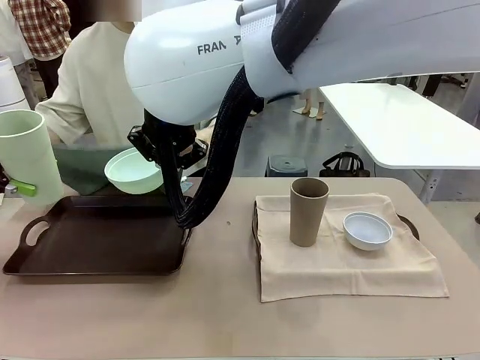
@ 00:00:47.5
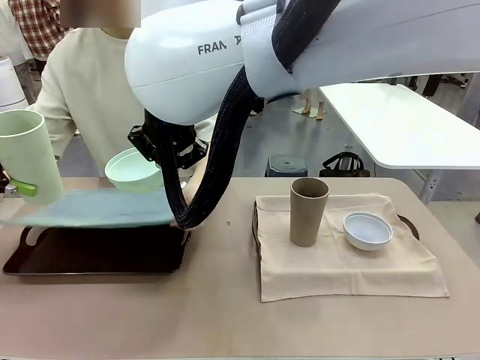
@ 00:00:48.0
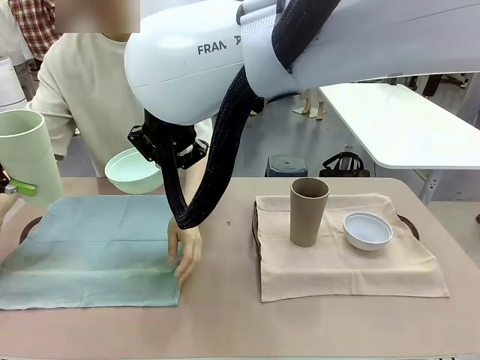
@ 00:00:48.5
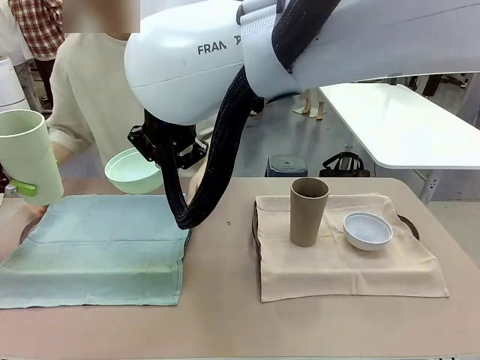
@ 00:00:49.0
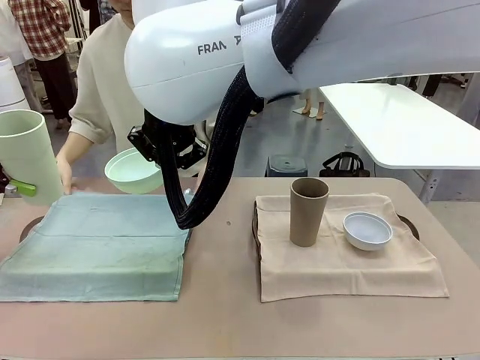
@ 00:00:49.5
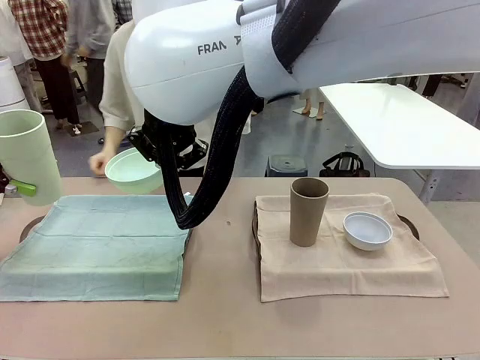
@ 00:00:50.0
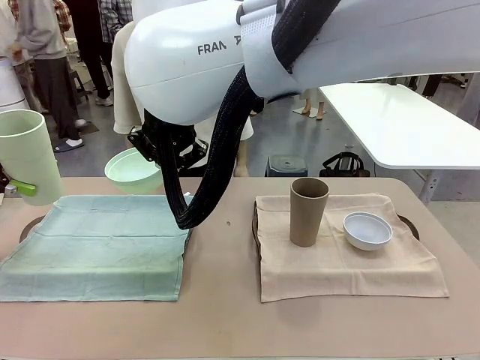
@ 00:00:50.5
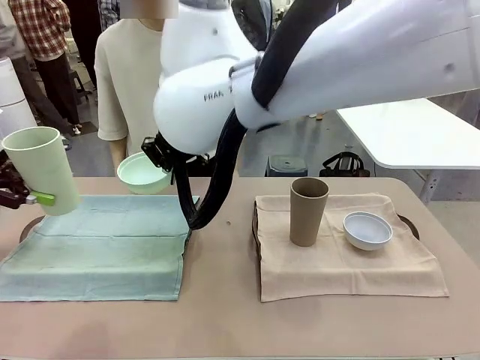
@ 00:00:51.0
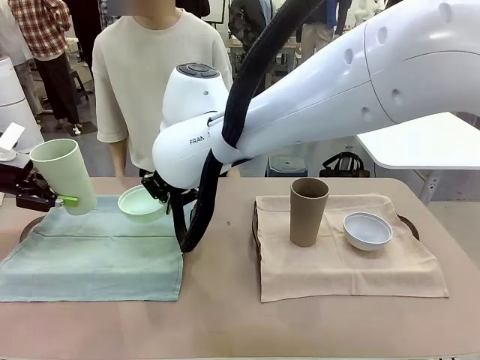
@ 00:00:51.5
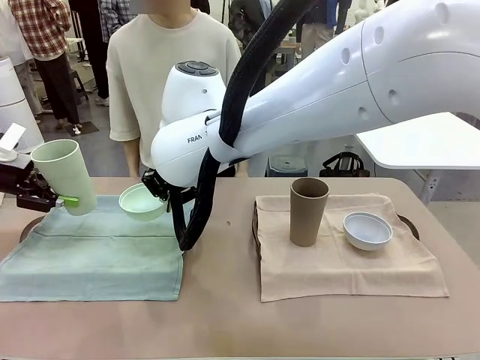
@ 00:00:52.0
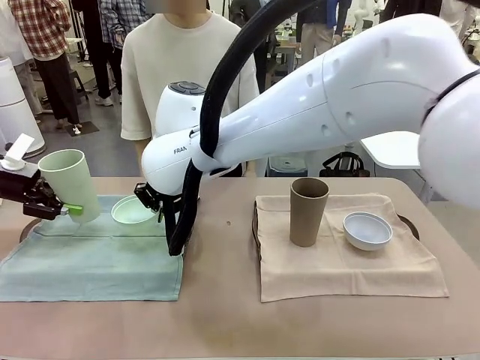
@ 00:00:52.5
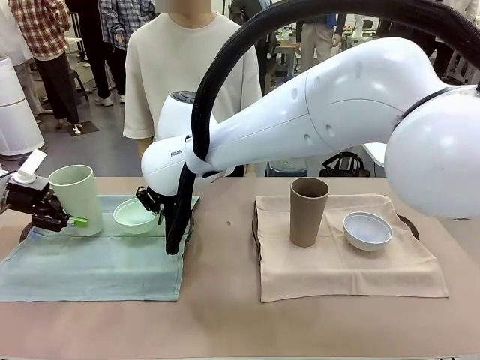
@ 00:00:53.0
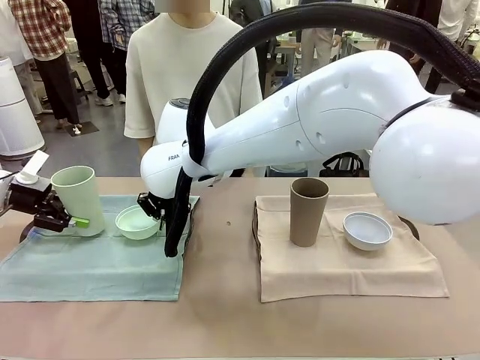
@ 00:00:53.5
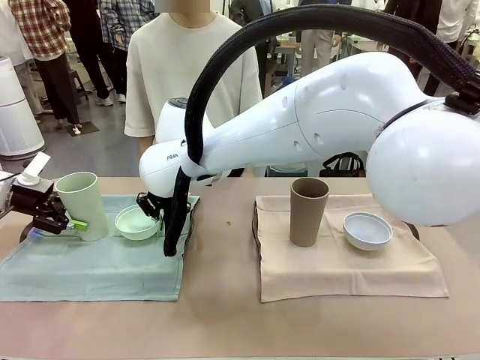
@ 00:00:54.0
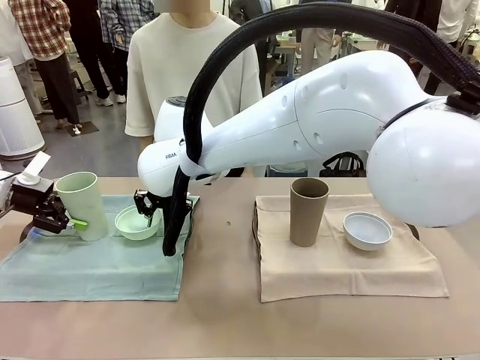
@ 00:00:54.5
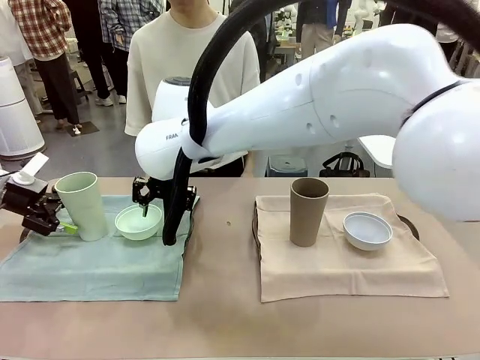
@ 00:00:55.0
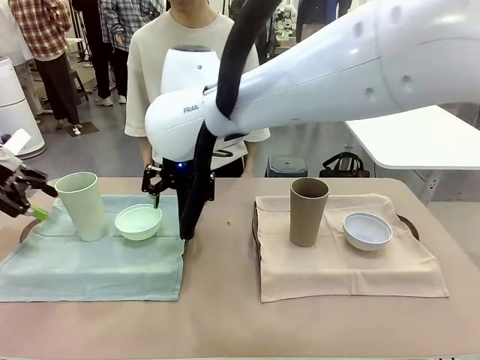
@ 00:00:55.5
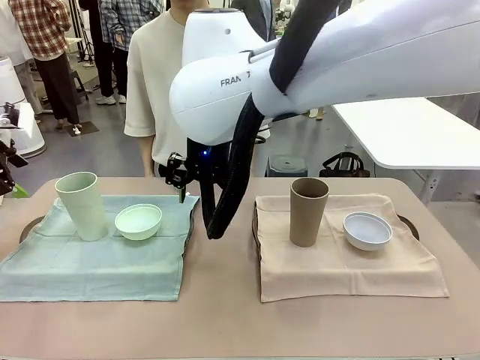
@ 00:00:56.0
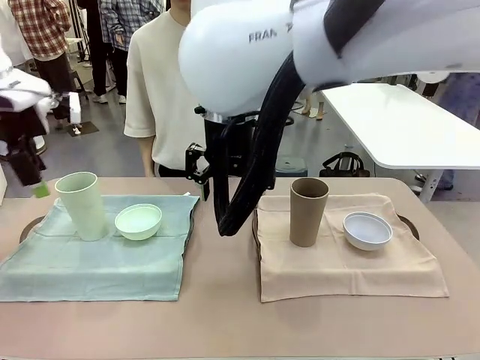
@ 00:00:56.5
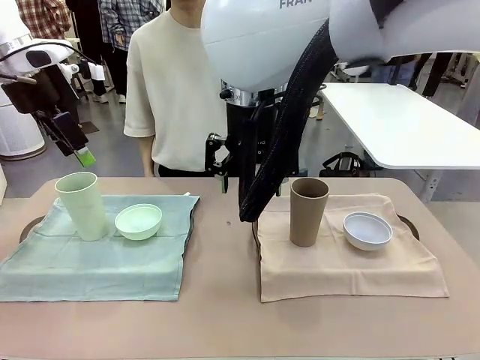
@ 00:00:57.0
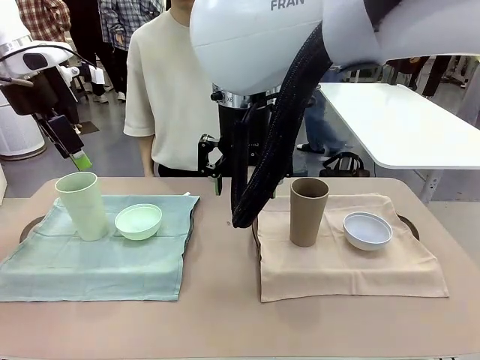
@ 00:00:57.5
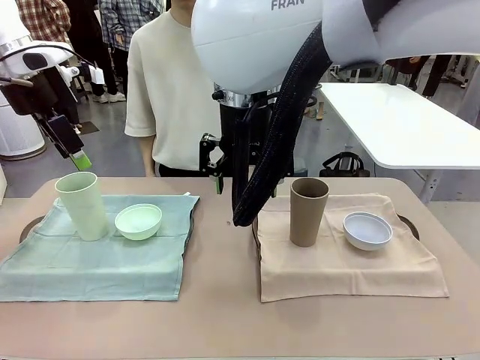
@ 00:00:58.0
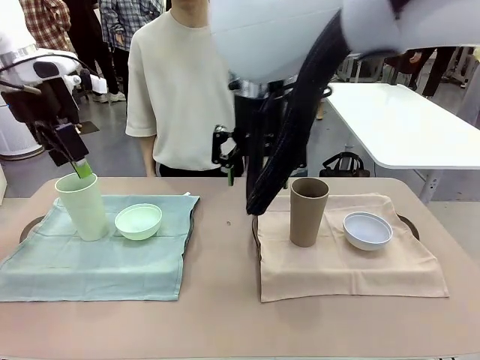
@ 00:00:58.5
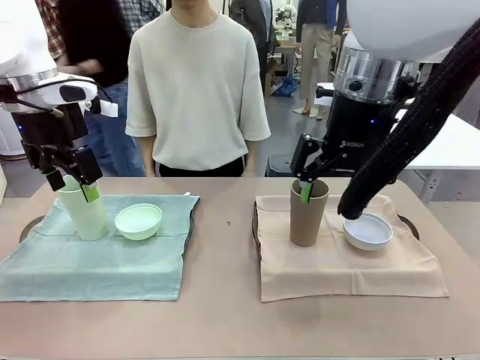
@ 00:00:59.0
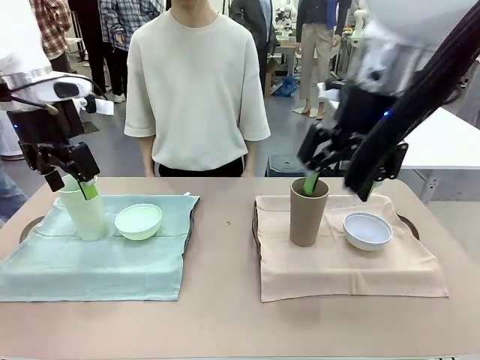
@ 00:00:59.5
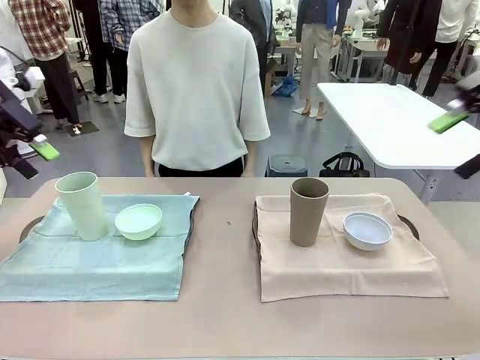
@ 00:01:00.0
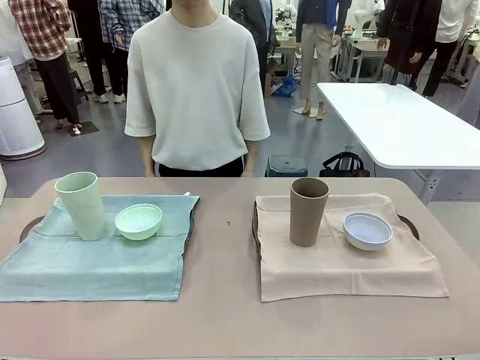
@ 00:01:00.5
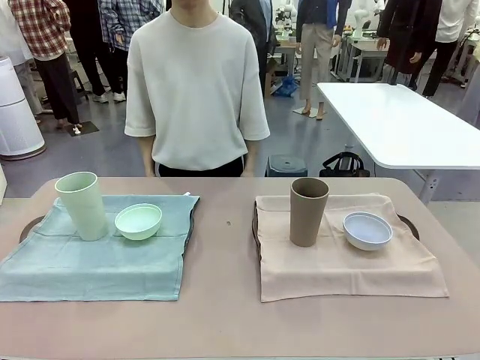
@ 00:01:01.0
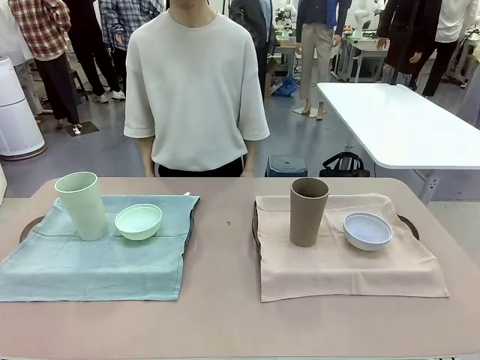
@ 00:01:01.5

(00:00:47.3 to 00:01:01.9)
Robot: Place the Picnic Bowl and Reusable plastic cup back onto the Handle tray in front of the human's position.

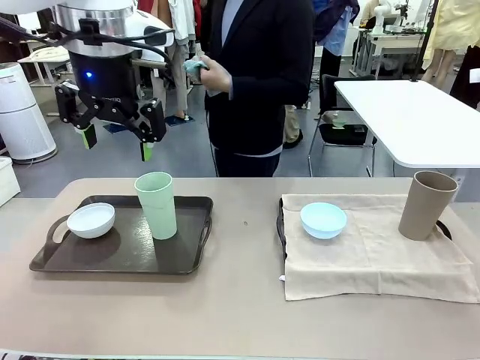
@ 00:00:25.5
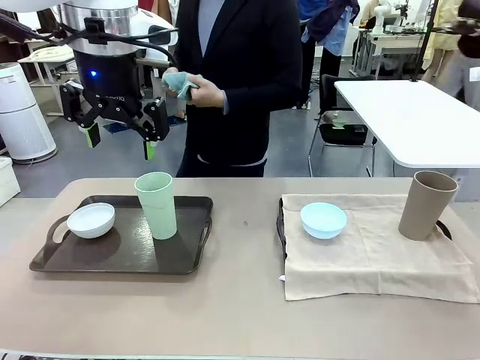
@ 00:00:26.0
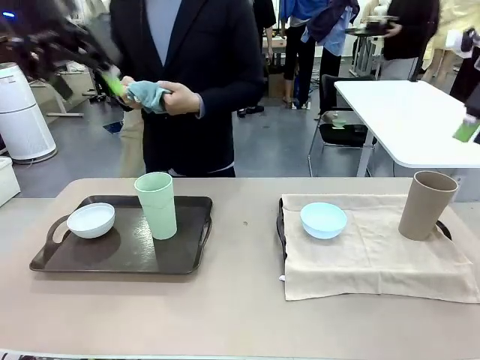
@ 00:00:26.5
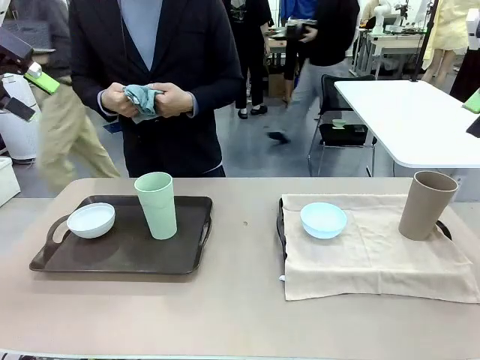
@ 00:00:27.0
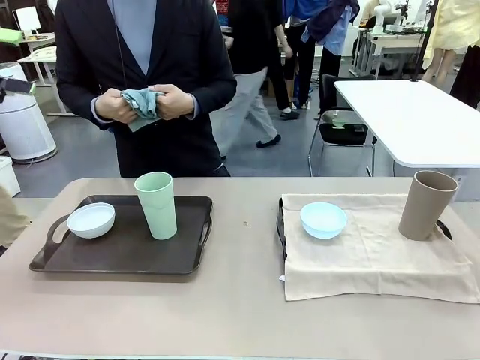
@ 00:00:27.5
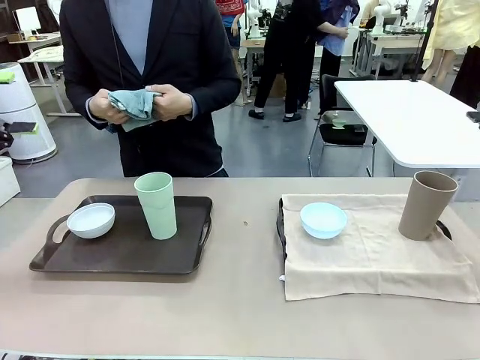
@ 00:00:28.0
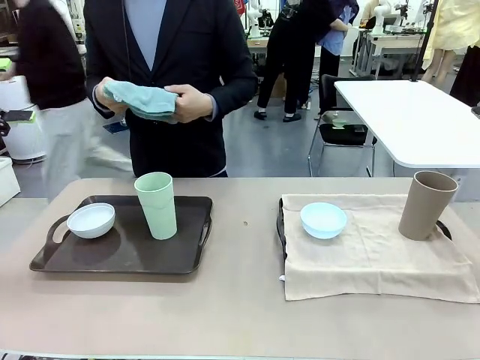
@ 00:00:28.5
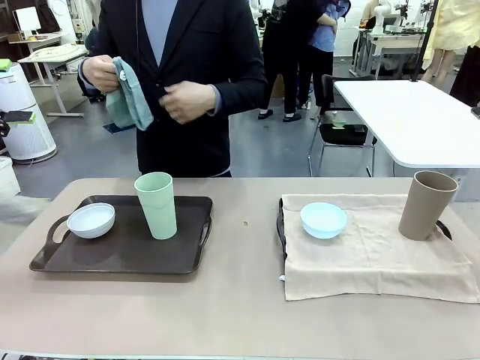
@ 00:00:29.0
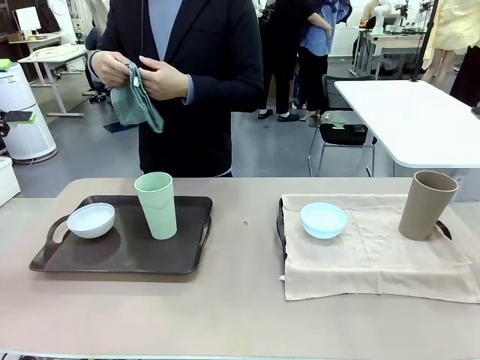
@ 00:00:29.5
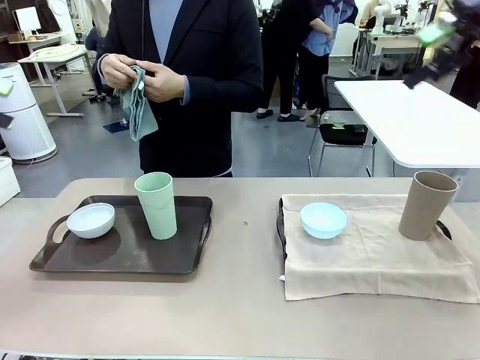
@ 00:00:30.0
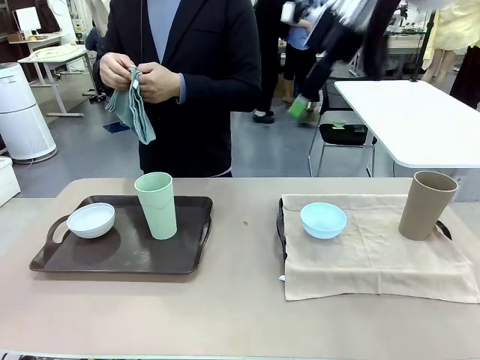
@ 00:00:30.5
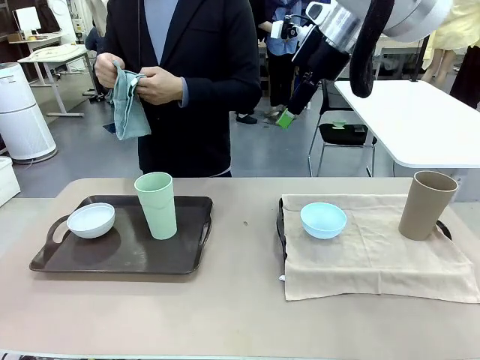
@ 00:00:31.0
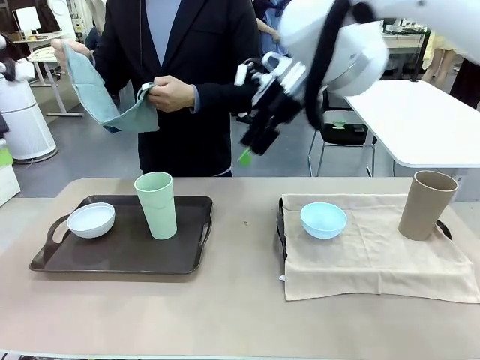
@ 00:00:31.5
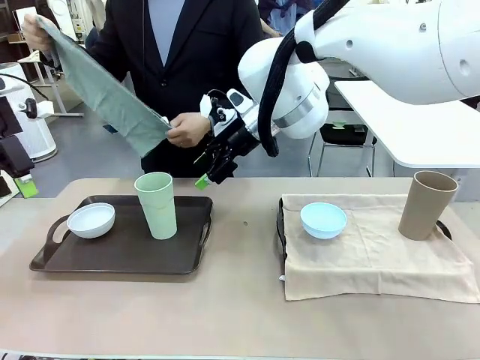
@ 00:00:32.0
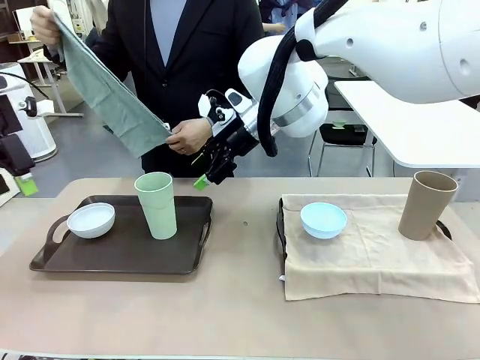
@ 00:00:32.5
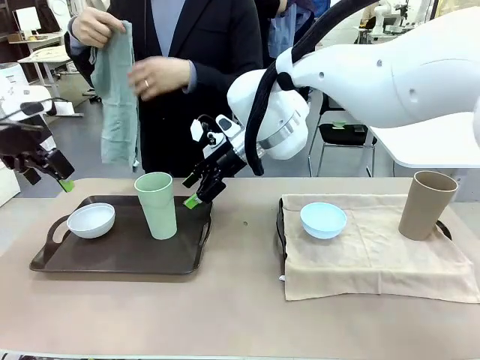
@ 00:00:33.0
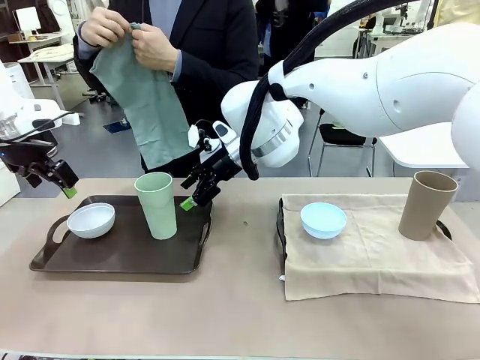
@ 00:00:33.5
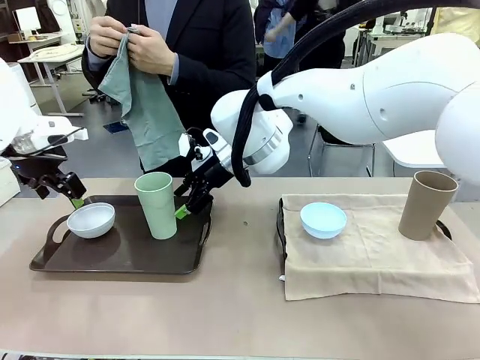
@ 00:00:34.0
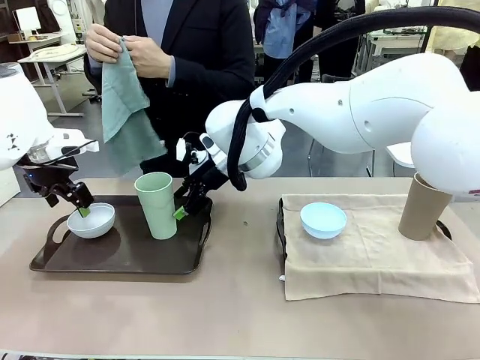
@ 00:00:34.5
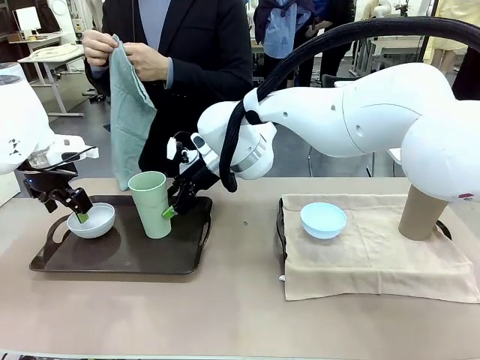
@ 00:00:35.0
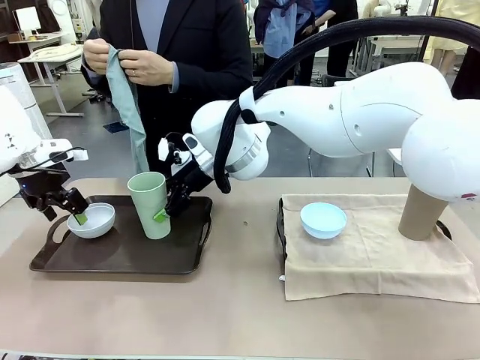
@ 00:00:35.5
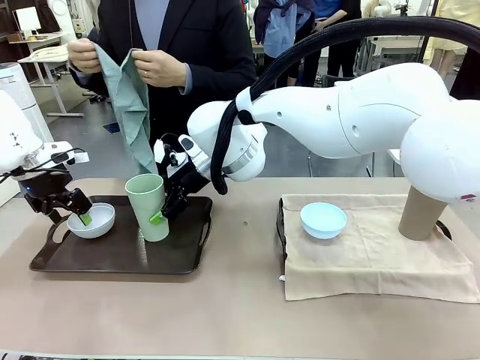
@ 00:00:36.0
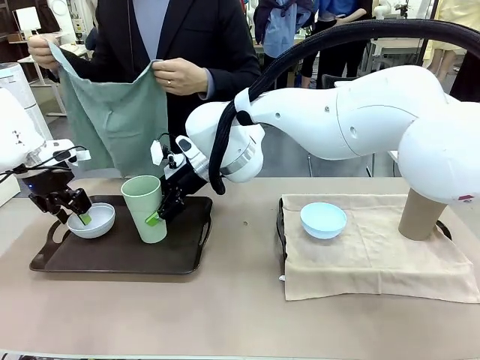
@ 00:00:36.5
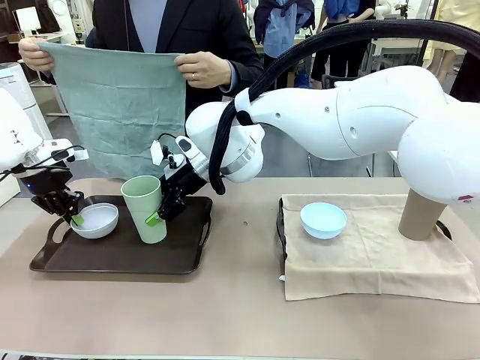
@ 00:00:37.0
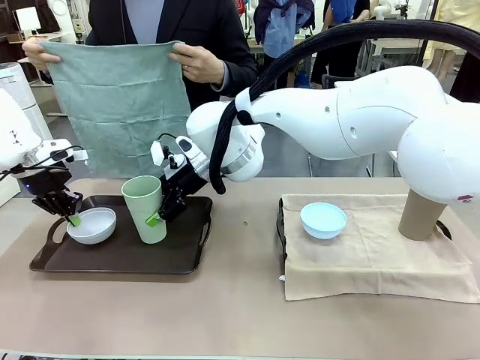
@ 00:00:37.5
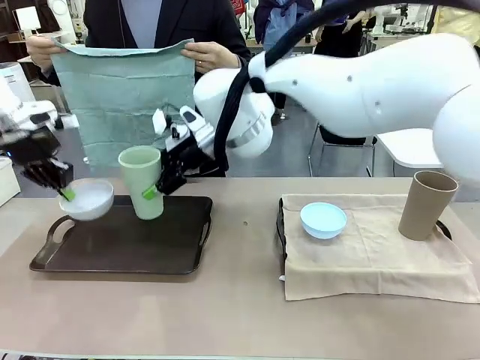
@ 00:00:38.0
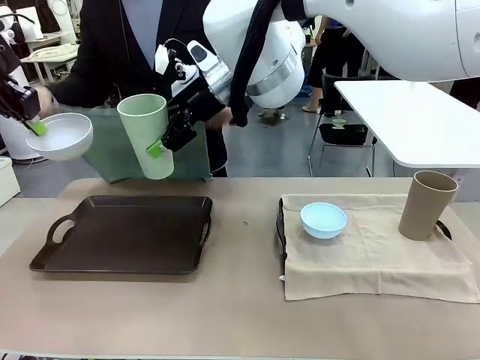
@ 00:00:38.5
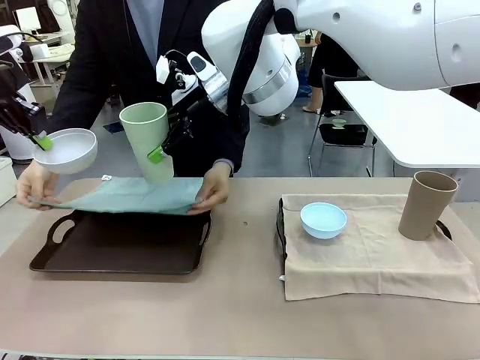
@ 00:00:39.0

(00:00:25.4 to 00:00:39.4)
Robot: Pick up the Picnic Bowl and Reusable plastic cup from the Handle tray in front of the human's position and hold them in the air.
Person: When the robot lifts the bowl and the cup, the human unfolds the napkin and lays the napkin flat on the tray.
